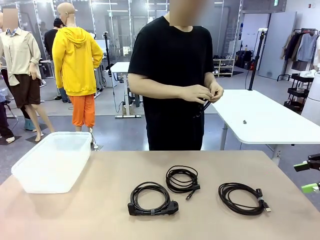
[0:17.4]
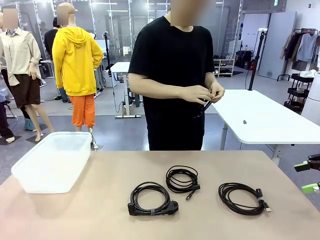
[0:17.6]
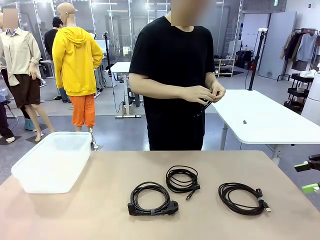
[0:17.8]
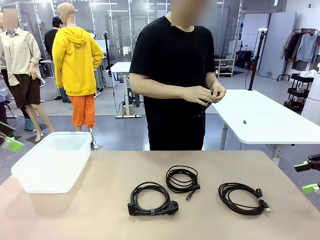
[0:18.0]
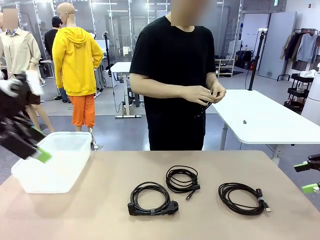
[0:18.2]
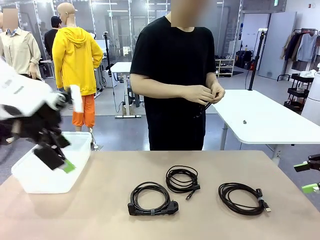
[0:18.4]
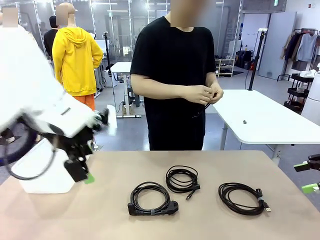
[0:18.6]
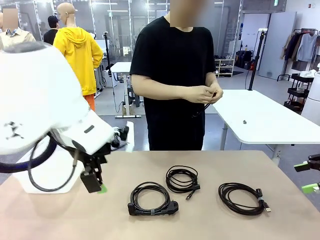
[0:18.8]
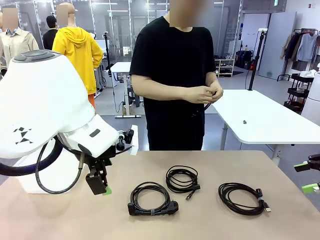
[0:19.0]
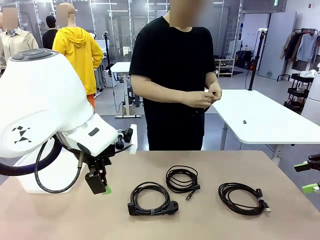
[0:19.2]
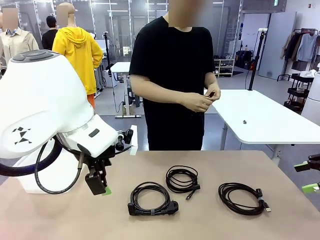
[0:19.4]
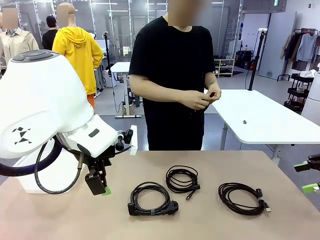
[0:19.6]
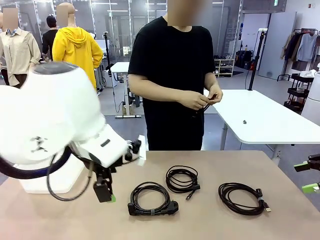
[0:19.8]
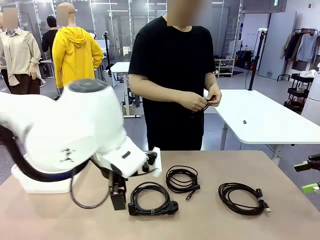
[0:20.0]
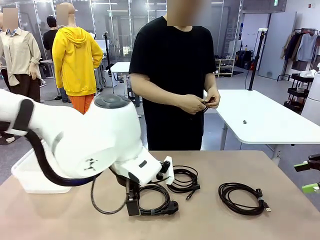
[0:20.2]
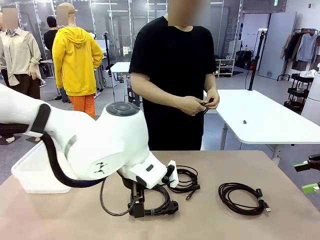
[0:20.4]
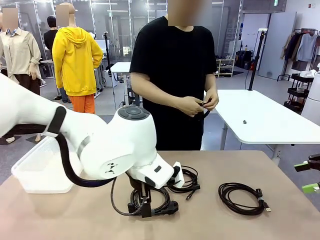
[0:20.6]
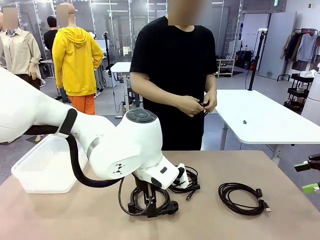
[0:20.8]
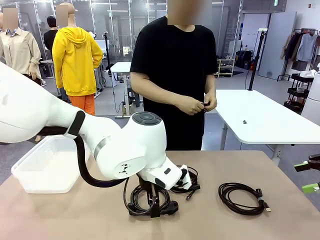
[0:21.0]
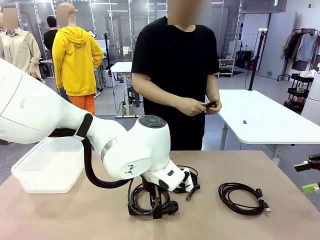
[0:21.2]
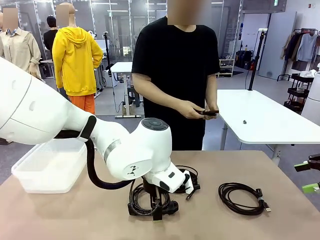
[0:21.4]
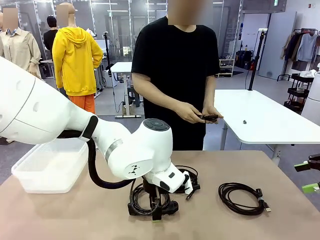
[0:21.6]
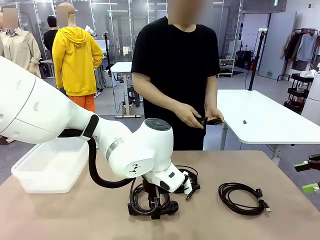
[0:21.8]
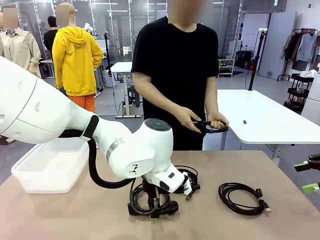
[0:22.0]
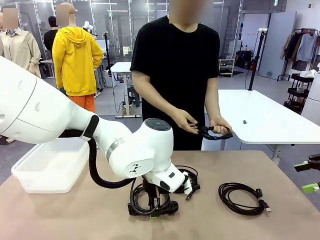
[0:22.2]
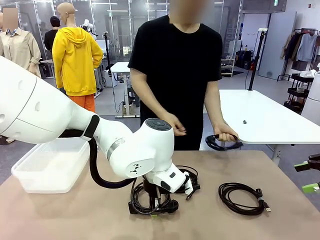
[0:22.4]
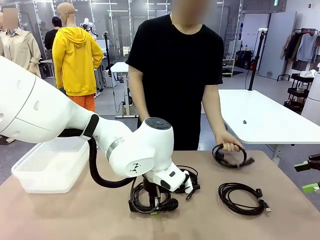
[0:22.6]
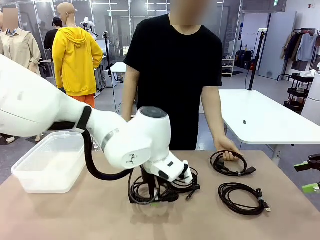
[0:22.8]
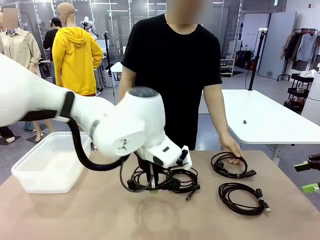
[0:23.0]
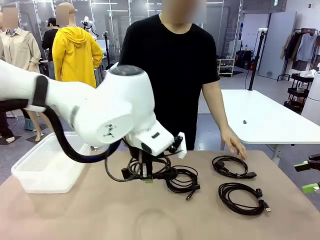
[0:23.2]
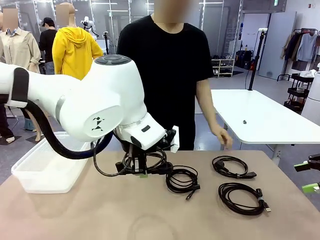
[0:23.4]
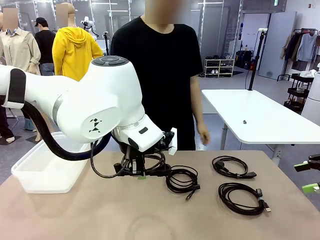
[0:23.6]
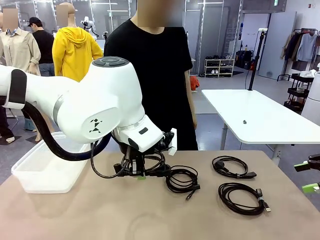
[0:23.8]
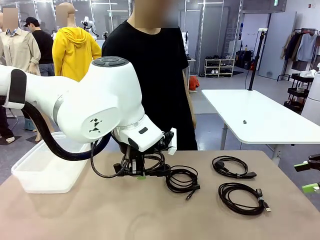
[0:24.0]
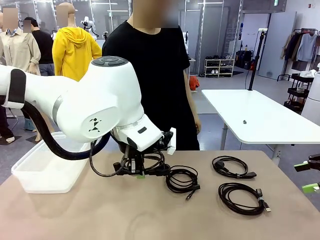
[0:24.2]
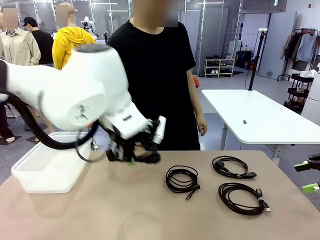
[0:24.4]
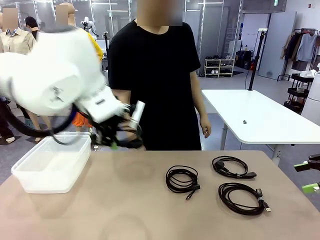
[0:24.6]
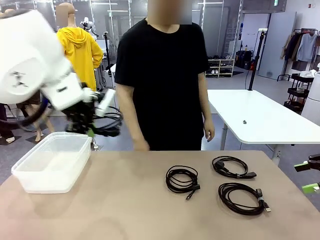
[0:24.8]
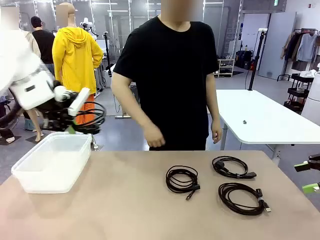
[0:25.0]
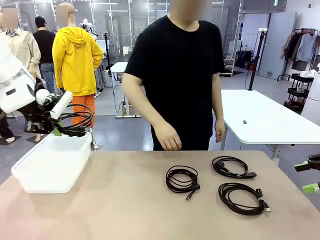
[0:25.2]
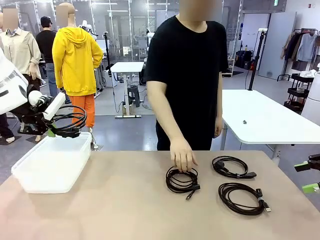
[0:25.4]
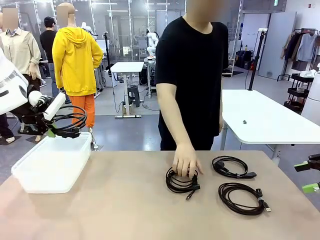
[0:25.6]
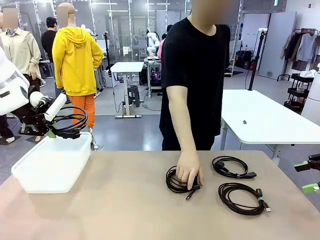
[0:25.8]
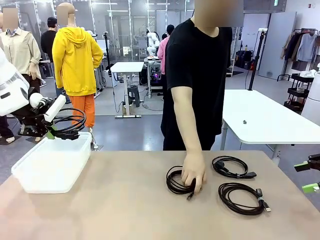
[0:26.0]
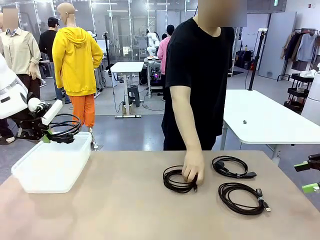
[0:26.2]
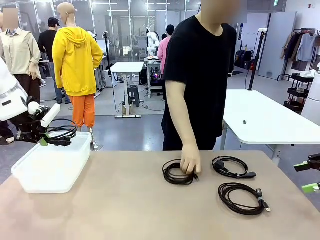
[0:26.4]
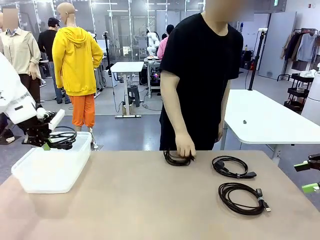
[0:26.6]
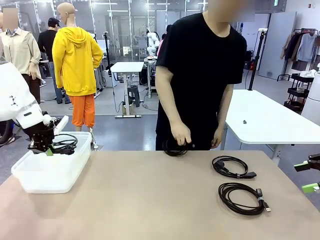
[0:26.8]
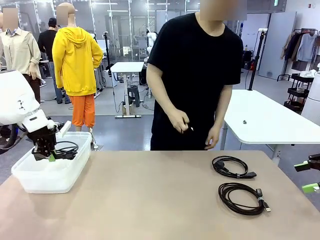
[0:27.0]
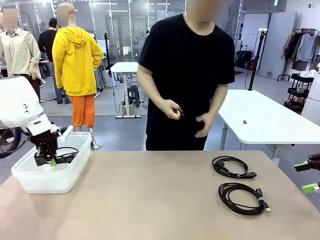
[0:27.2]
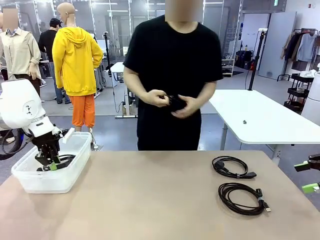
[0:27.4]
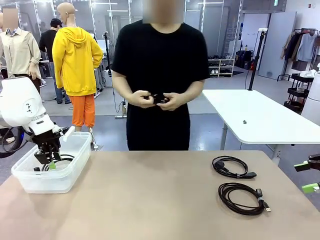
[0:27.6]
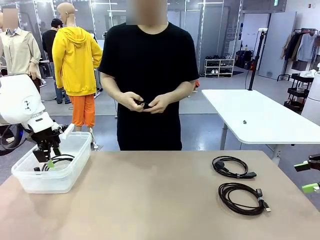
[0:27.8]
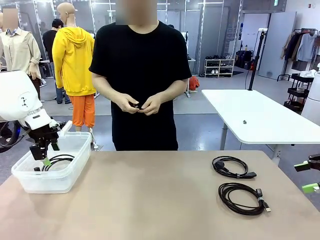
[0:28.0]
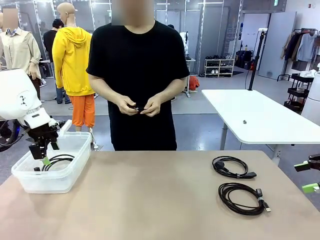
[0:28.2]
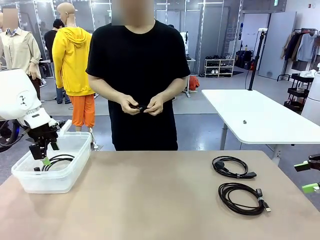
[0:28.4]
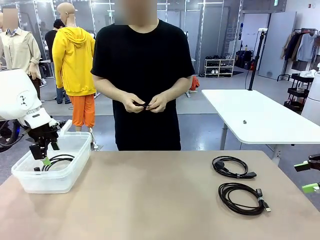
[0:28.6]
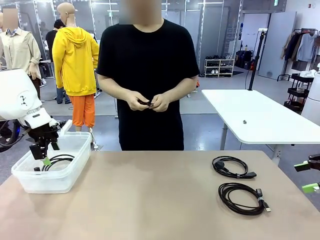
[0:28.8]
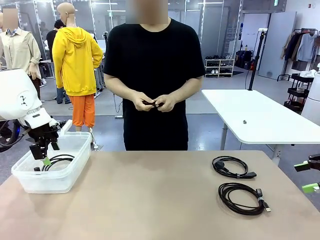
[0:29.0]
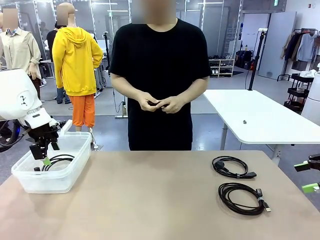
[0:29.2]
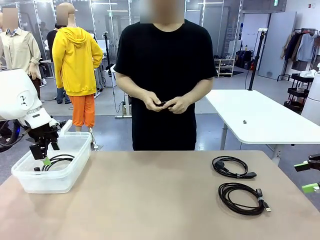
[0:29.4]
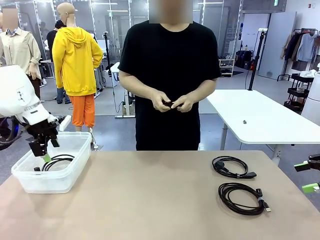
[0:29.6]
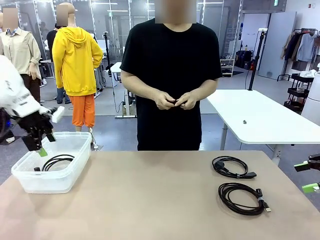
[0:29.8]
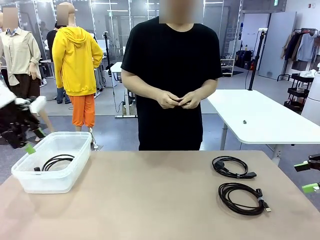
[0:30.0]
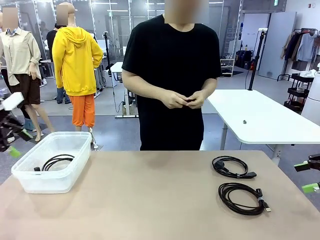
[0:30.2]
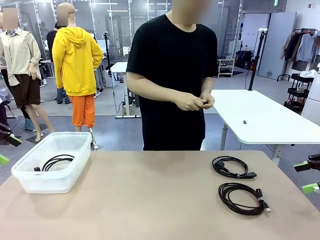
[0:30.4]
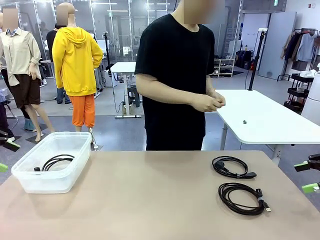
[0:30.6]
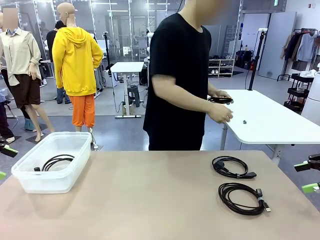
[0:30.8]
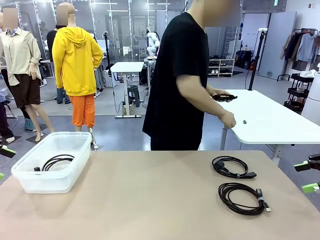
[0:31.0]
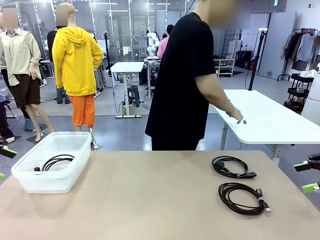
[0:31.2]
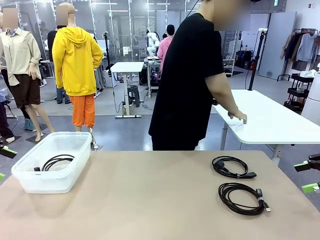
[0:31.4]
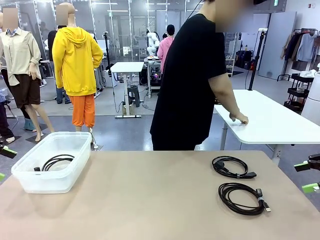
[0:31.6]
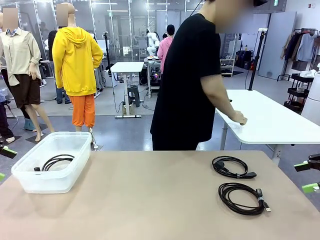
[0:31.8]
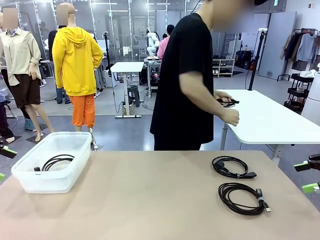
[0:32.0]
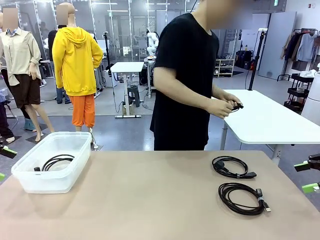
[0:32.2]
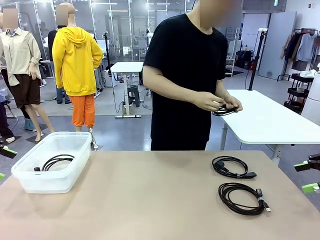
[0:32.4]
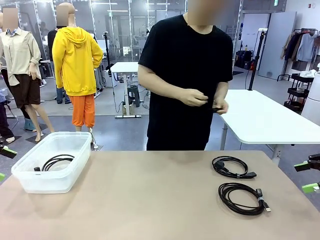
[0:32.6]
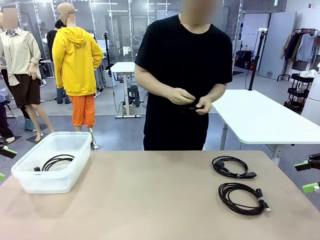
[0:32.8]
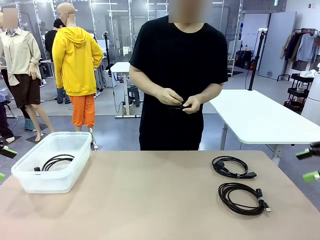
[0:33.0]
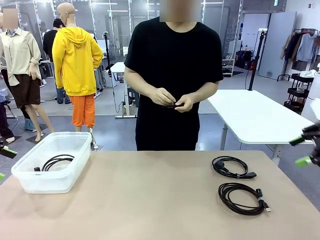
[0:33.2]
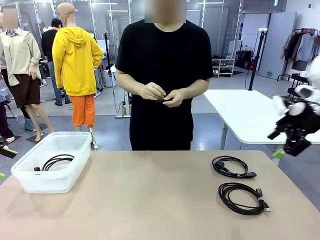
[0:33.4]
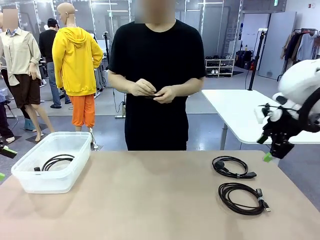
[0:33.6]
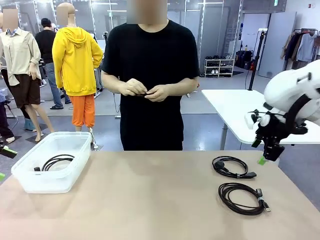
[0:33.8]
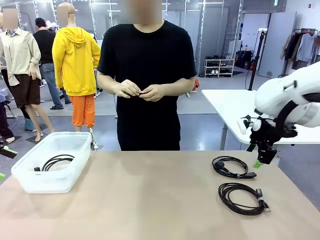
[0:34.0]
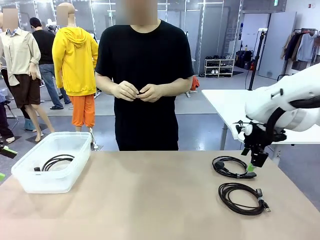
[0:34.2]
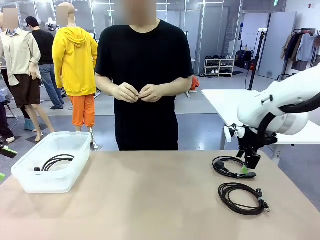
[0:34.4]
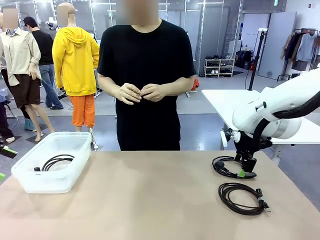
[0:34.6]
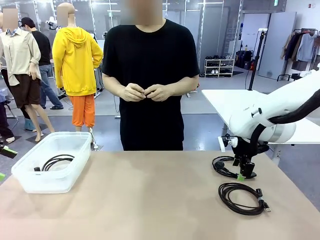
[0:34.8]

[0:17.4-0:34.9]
Task: Organize and store the cables.
Robot: Place the Power Cable into the Organizing box.
